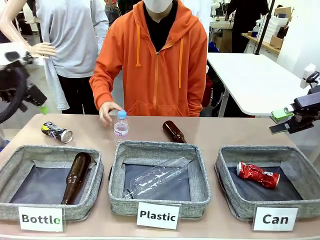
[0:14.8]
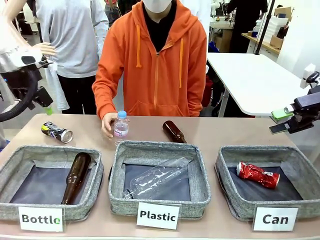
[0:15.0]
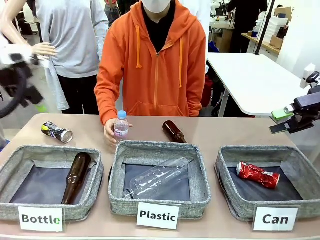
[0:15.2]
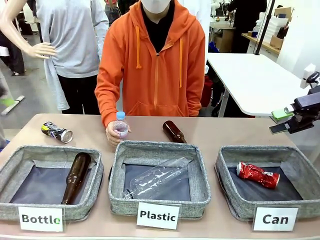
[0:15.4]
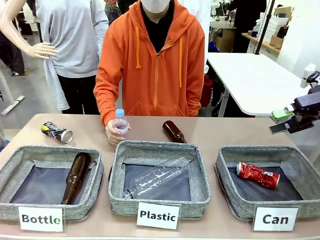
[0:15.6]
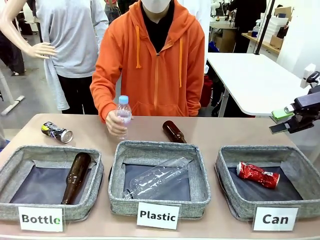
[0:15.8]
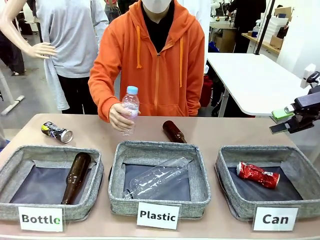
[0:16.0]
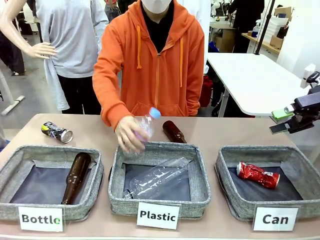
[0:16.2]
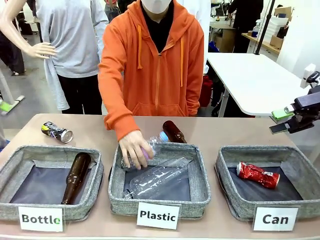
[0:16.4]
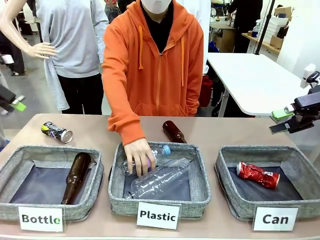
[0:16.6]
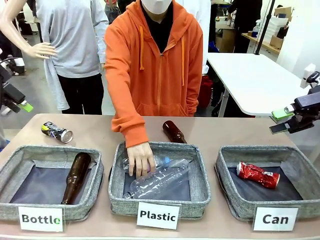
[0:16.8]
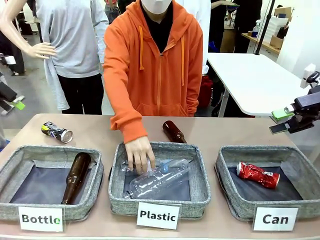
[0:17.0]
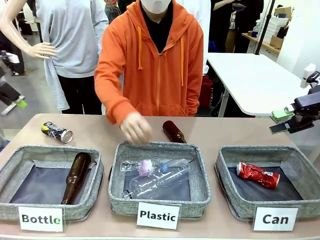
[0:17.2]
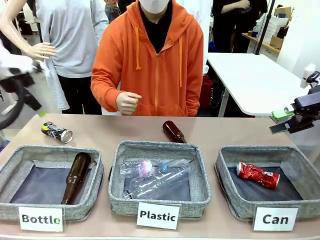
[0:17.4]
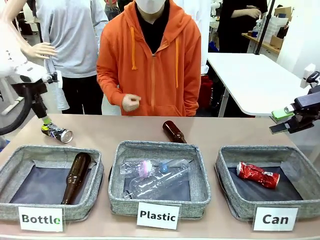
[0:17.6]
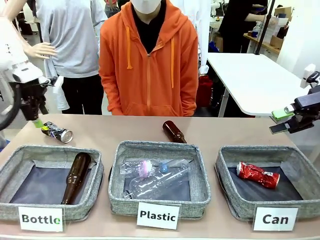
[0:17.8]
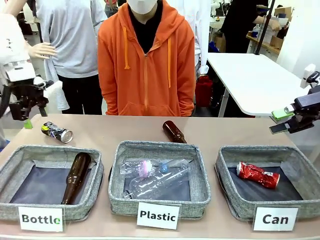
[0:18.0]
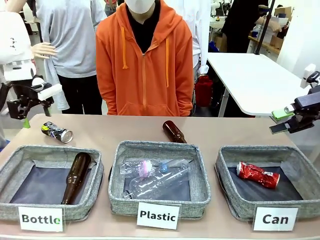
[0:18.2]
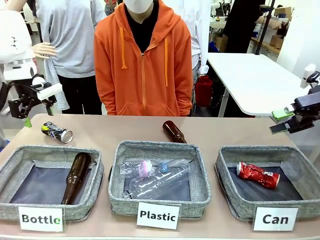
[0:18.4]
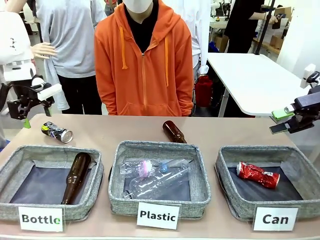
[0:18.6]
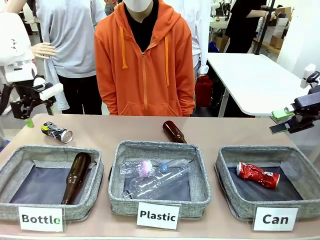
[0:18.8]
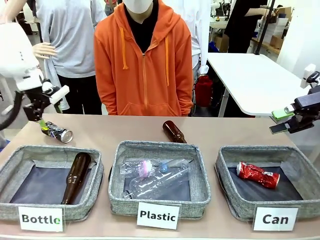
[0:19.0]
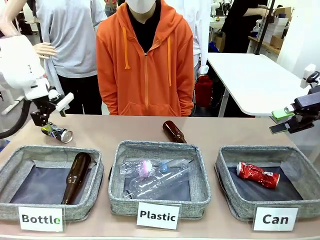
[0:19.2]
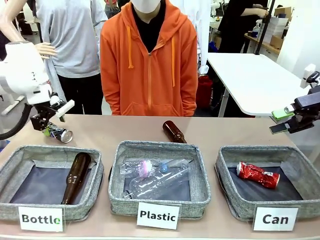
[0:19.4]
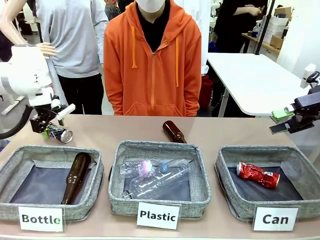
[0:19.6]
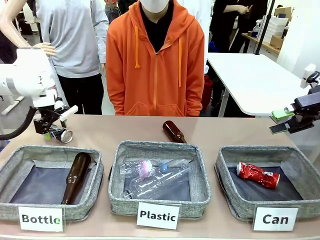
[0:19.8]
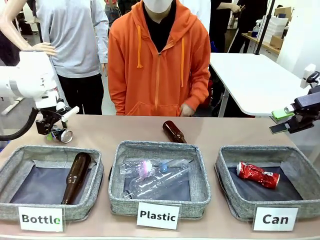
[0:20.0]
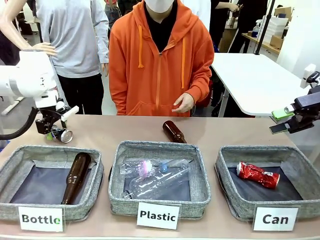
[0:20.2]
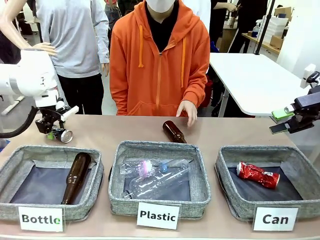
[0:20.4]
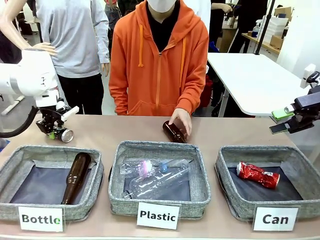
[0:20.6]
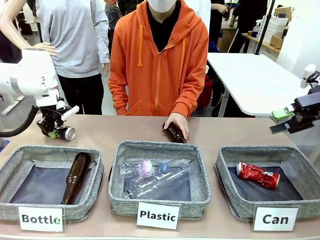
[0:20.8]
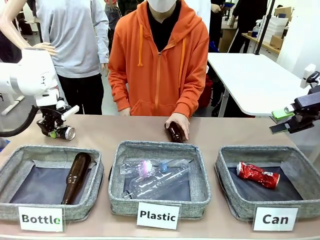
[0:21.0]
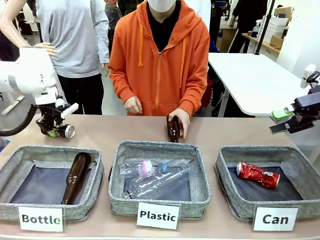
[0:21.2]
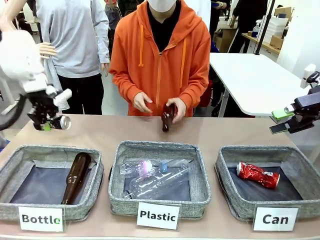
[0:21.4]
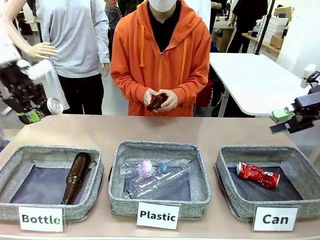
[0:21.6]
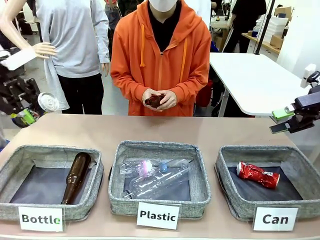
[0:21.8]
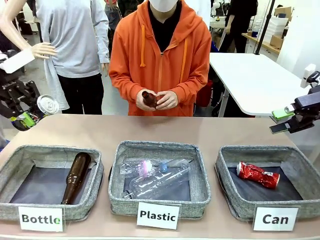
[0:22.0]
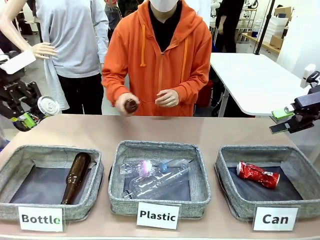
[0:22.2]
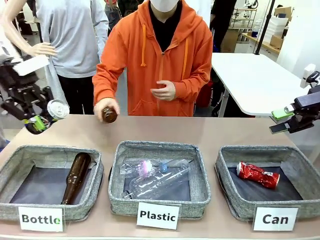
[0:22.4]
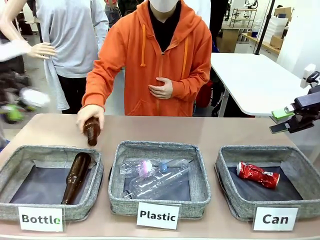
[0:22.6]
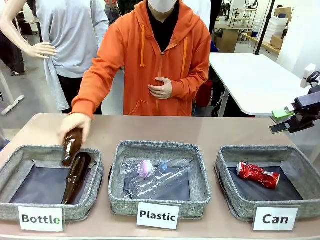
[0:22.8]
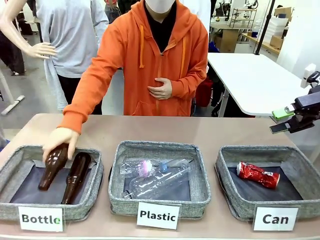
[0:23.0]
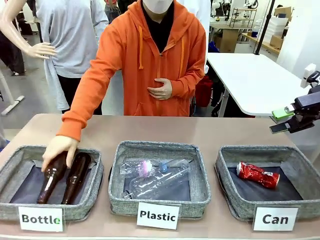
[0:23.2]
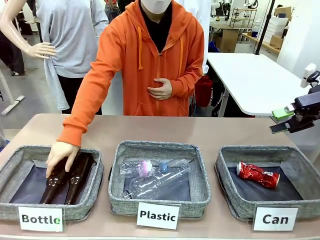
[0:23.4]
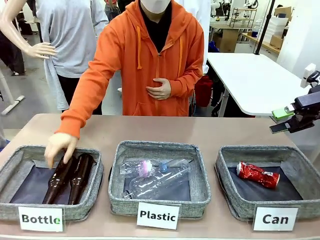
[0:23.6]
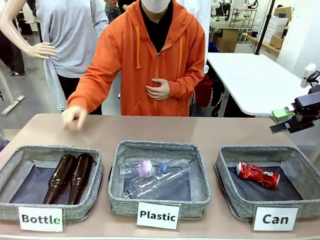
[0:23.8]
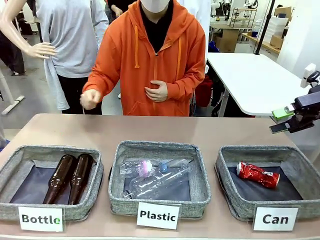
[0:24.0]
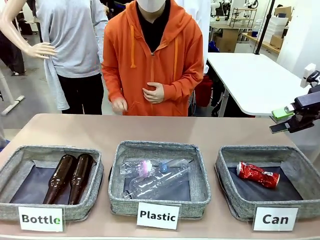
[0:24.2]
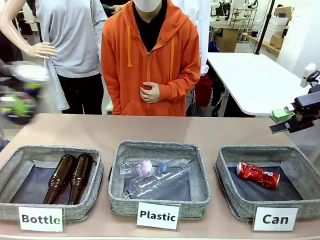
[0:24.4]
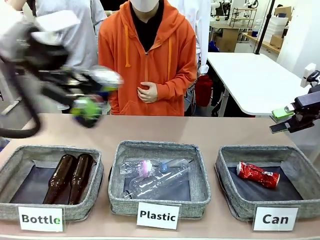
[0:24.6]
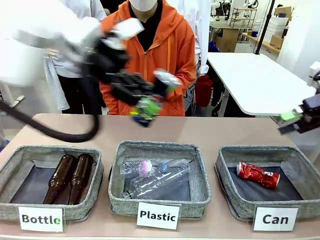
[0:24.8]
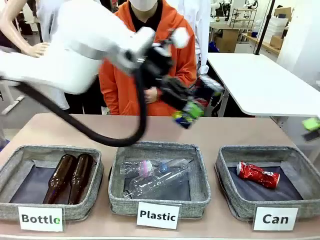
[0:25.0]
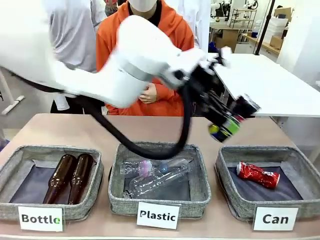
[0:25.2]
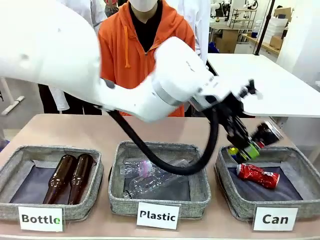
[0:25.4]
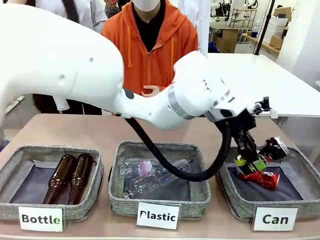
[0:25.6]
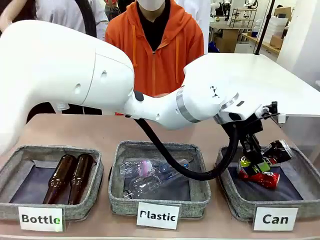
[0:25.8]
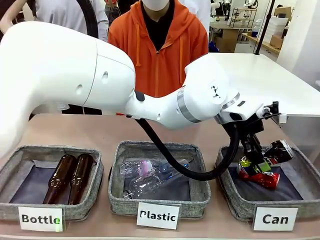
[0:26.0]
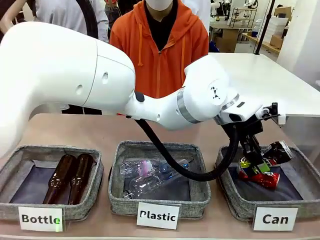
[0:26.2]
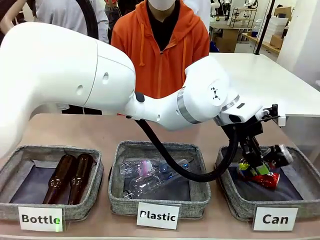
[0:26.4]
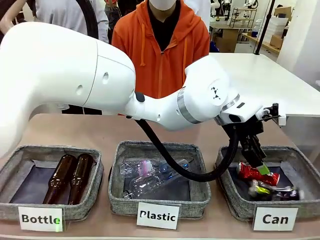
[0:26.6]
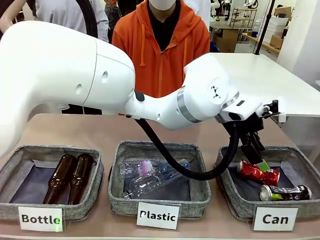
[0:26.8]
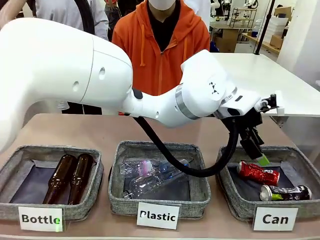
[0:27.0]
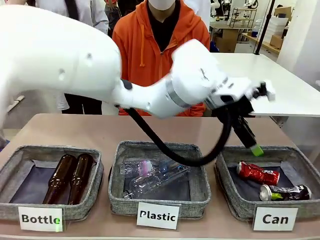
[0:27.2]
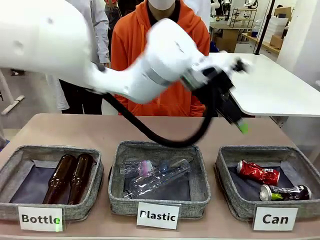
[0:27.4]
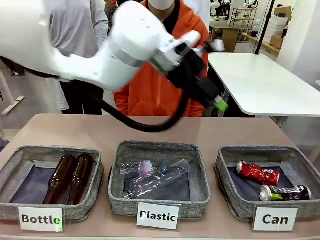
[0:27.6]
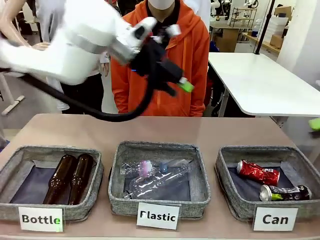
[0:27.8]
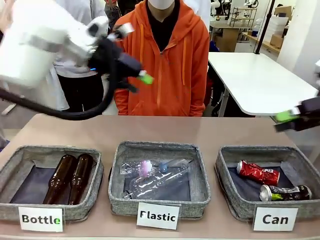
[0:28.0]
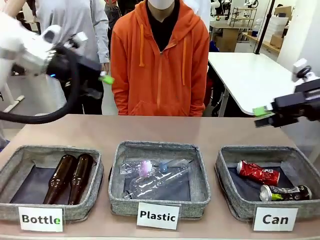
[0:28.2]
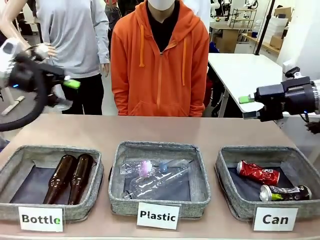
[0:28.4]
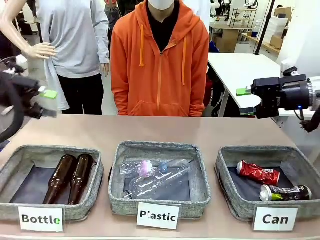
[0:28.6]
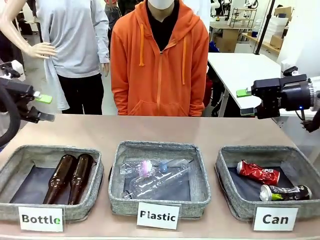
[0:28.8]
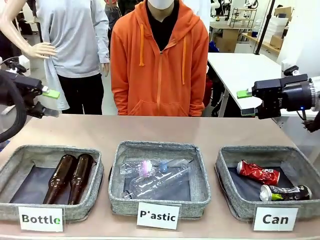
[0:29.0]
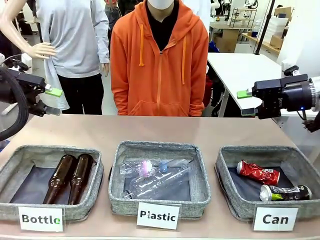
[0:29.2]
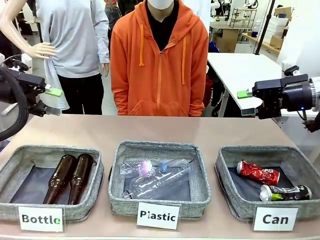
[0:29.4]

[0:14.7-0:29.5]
Task: Sort the can waste into the basket.
Robot: Pick up the can waste from the table and place it in the right Fabric basket.
Person: The human picks up one piece of trash that is not a can and places the trash into the appropriate organizing basket.

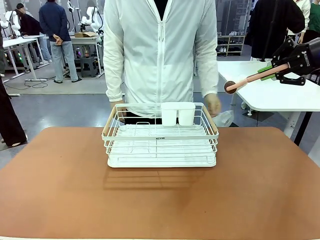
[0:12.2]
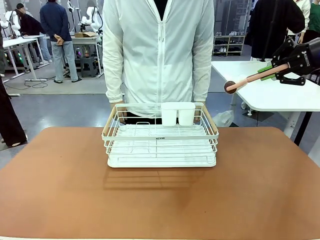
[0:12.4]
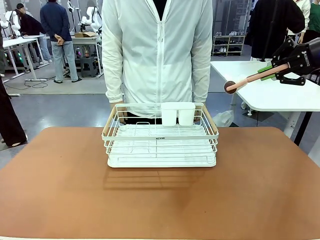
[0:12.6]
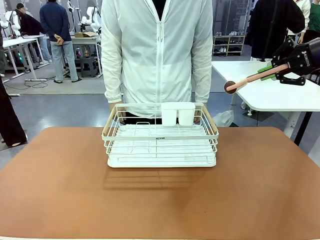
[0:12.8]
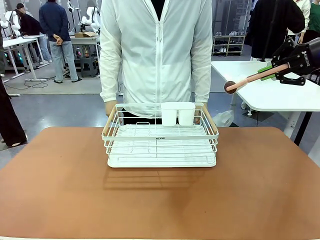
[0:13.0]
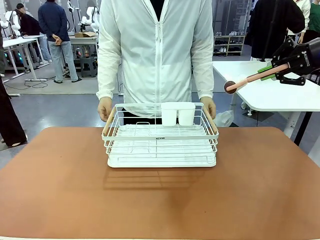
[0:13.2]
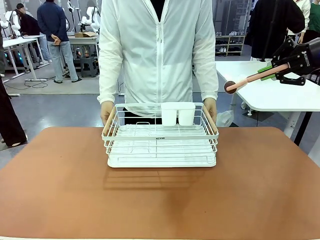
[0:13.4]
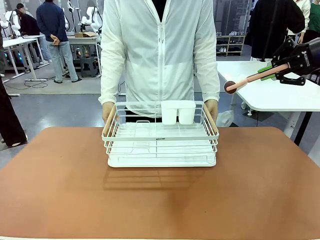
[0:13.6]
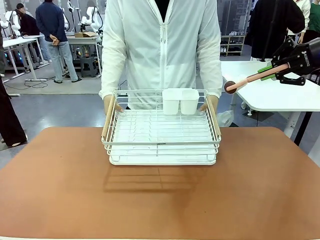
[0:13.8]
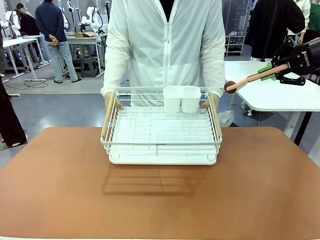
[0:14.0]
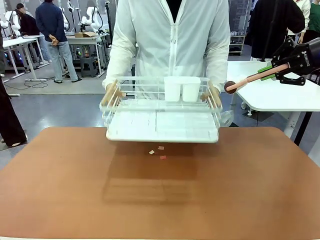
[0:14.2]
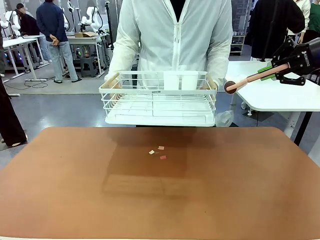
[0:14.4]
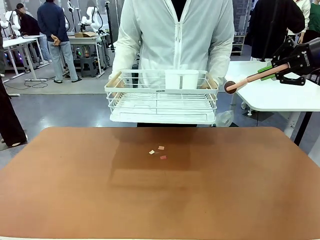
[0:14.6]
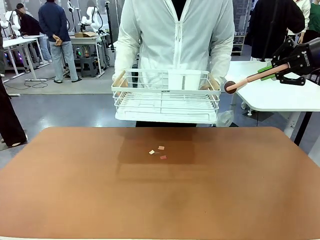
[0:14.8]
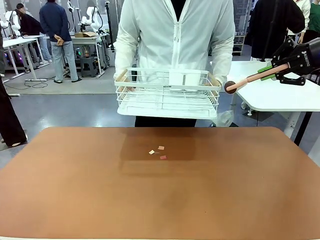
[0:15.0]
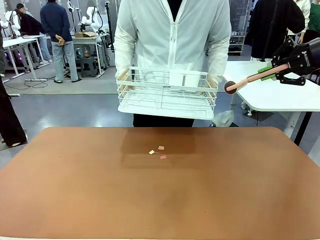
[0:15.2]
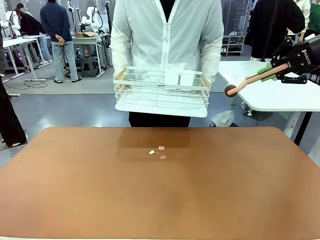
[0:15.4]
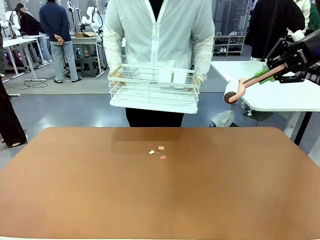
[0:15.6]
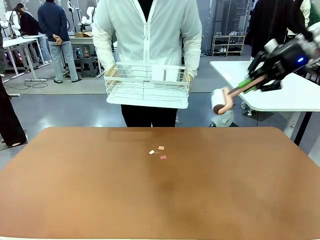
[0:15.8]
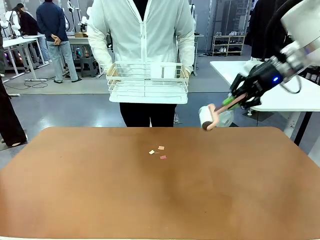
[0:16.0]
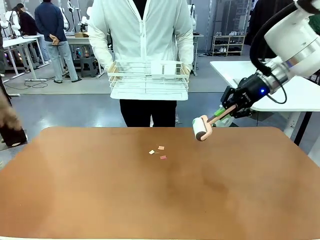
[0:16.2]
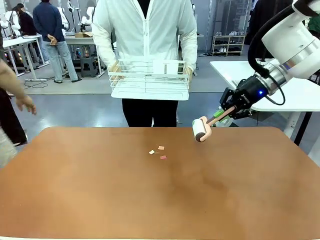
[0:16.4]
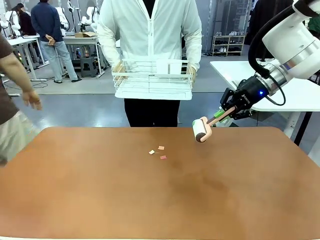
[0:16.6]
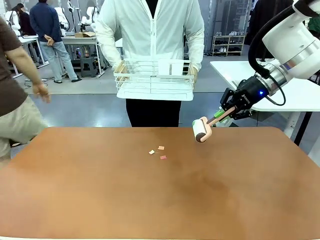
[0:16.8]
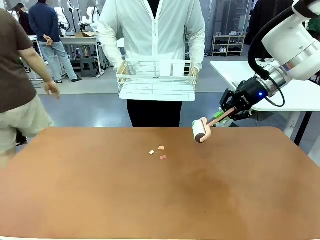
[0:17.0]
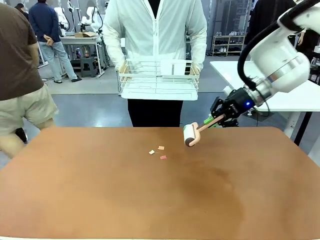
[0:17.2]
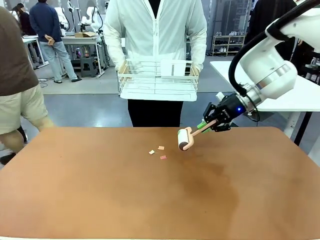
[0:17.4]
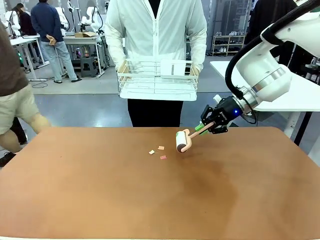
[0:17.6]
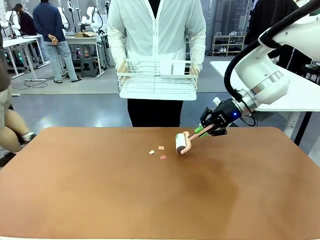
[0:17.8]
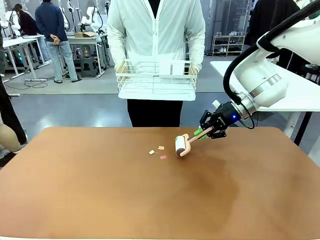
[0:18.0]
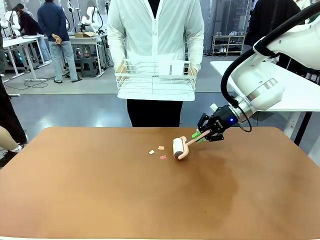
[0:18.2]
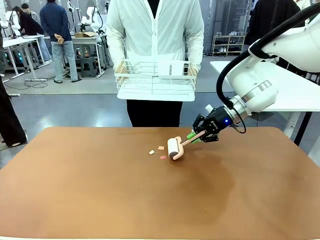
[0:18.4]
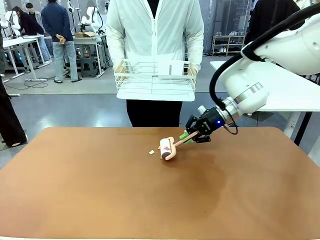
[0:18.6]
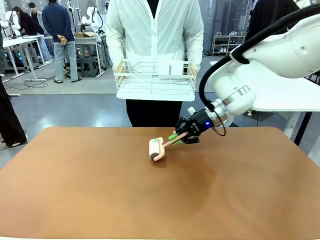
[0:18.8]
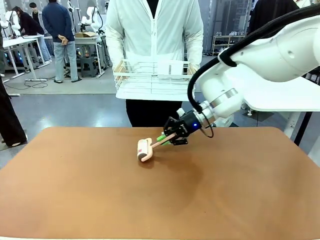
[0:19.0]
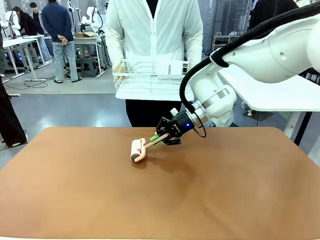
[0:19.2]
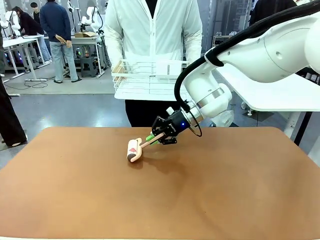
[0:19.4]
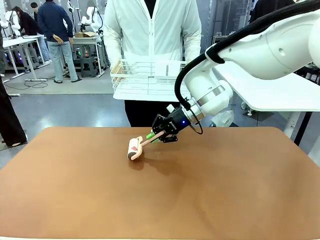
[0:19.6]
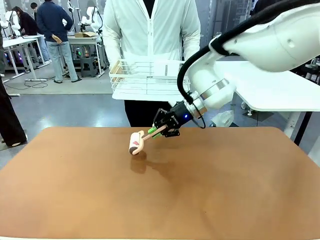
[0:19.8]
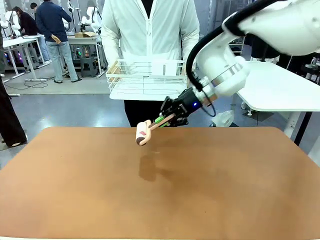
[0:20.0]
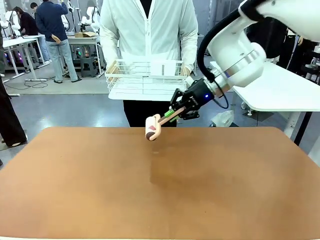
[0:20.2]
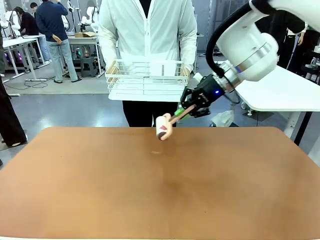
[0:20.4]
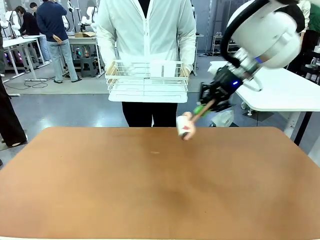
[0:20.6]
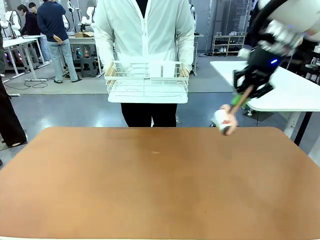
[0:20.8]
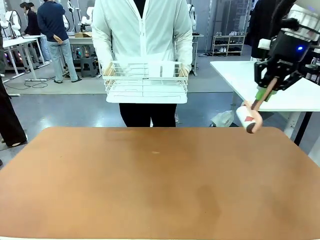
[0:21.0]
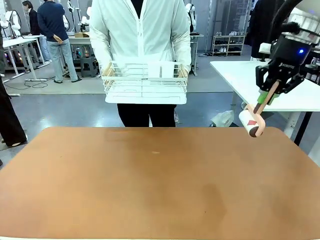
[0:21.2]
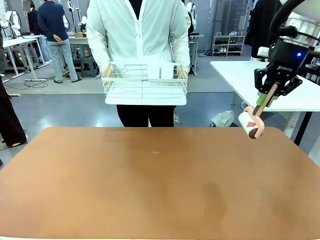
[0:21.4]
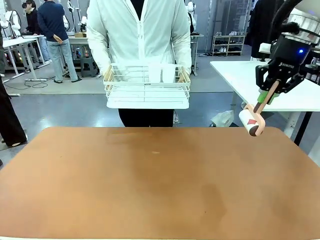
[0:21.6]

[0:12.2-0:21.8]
Task: Clean the table.
Robot: Clean the table with the Lint Roller when the human lifts the Dish drying rack.
